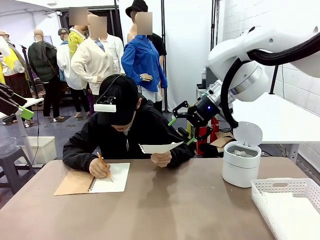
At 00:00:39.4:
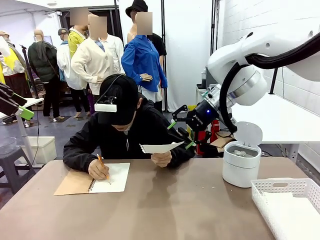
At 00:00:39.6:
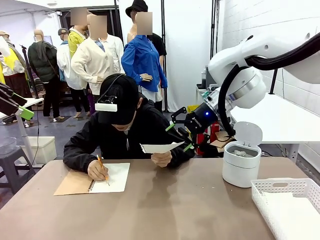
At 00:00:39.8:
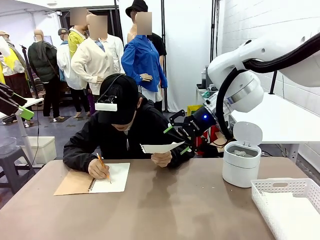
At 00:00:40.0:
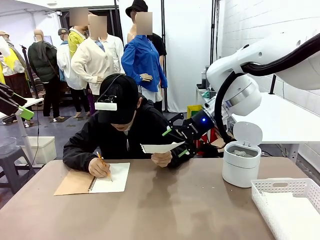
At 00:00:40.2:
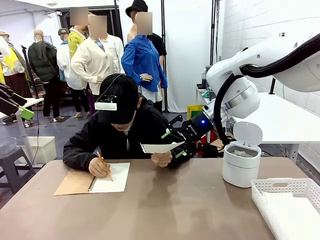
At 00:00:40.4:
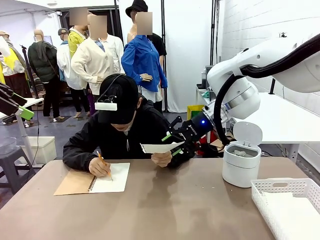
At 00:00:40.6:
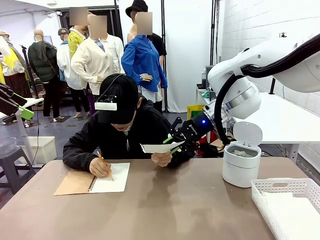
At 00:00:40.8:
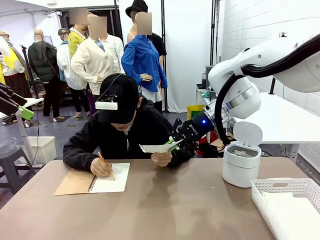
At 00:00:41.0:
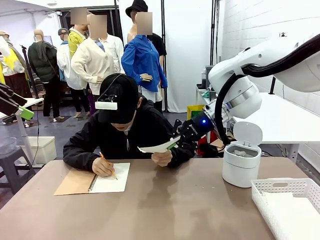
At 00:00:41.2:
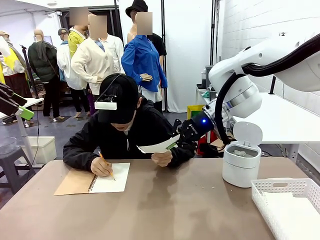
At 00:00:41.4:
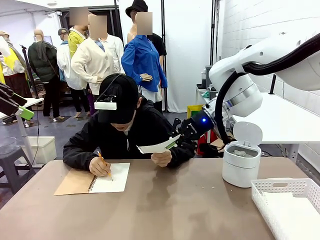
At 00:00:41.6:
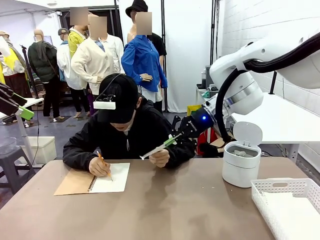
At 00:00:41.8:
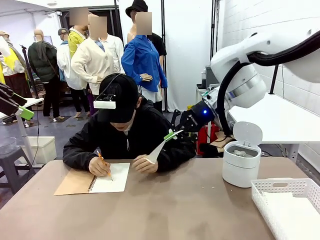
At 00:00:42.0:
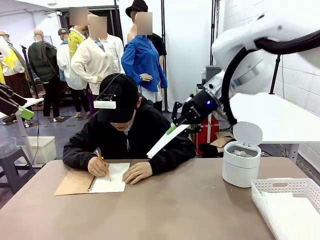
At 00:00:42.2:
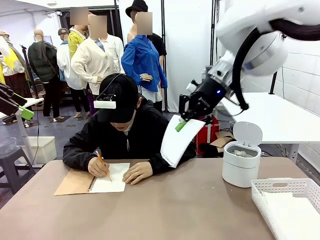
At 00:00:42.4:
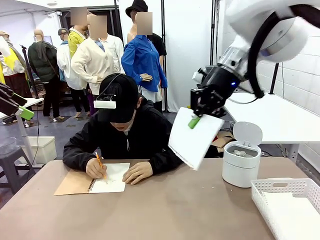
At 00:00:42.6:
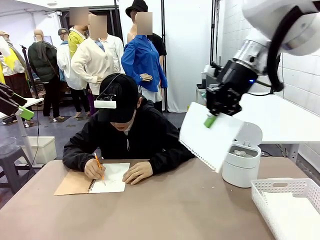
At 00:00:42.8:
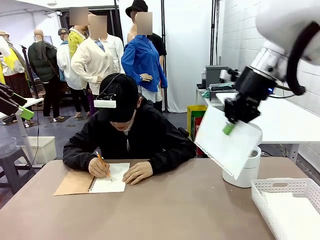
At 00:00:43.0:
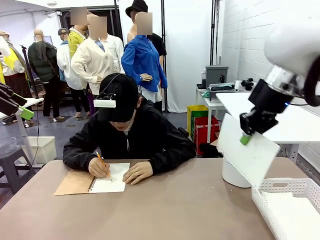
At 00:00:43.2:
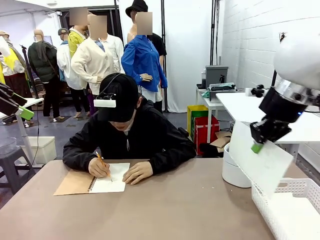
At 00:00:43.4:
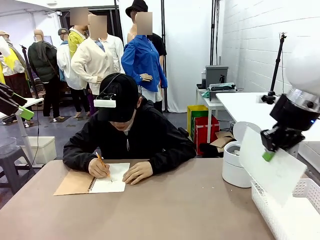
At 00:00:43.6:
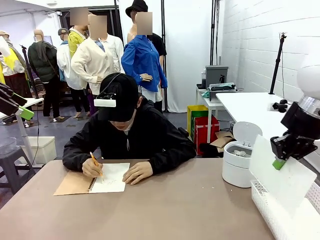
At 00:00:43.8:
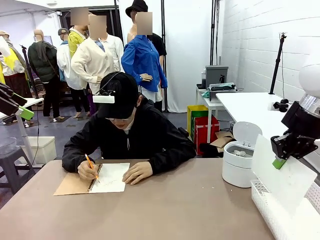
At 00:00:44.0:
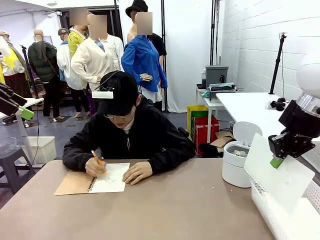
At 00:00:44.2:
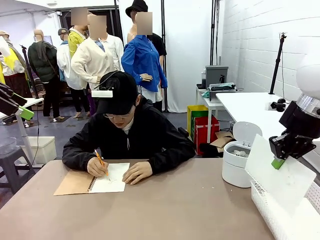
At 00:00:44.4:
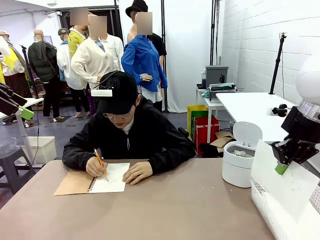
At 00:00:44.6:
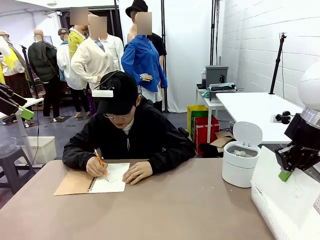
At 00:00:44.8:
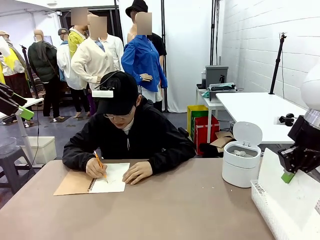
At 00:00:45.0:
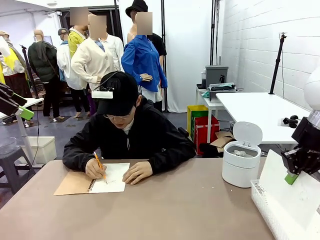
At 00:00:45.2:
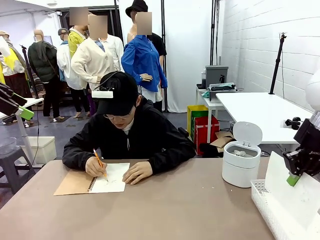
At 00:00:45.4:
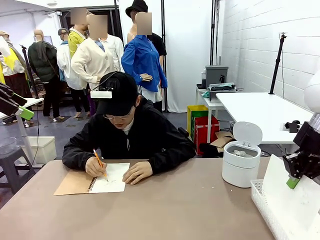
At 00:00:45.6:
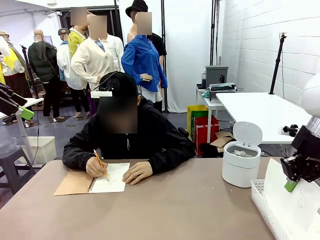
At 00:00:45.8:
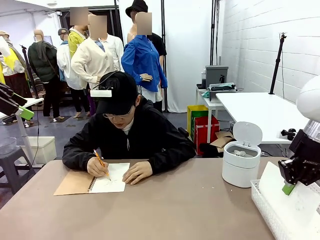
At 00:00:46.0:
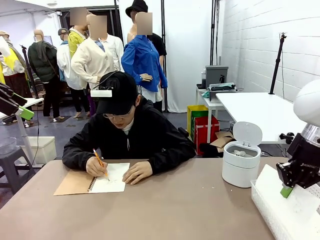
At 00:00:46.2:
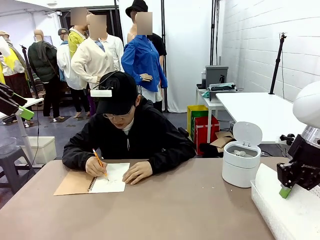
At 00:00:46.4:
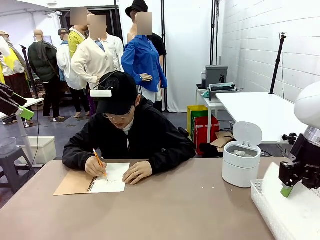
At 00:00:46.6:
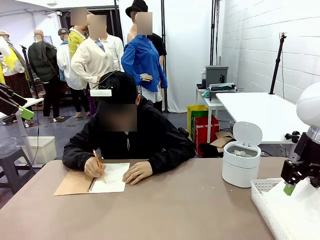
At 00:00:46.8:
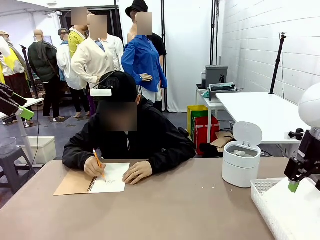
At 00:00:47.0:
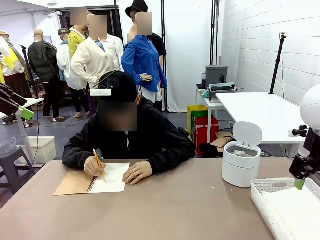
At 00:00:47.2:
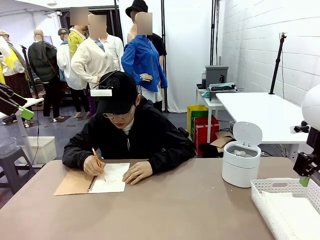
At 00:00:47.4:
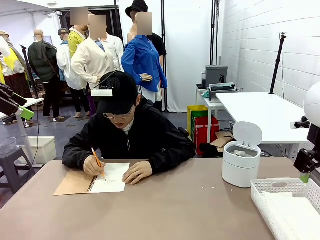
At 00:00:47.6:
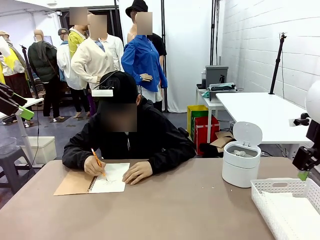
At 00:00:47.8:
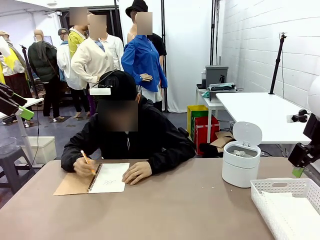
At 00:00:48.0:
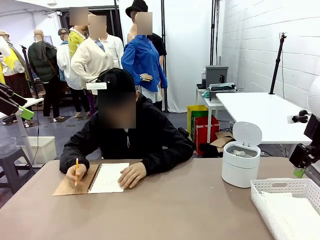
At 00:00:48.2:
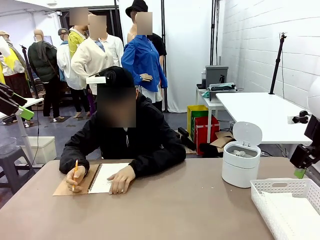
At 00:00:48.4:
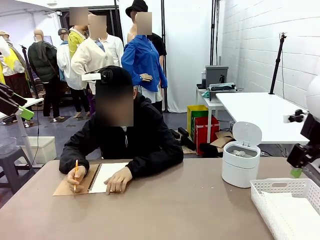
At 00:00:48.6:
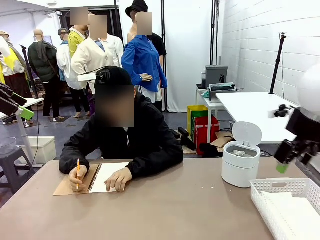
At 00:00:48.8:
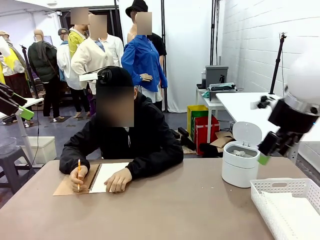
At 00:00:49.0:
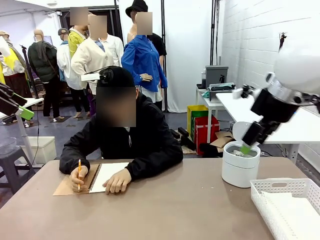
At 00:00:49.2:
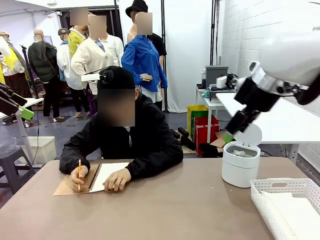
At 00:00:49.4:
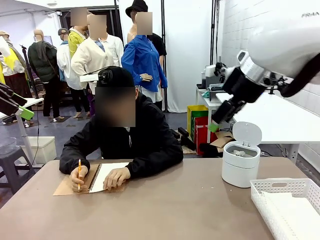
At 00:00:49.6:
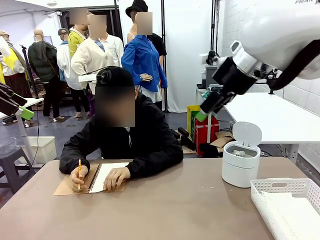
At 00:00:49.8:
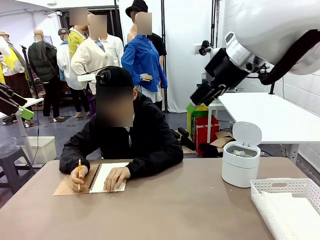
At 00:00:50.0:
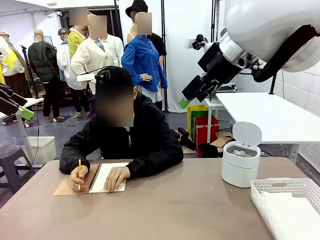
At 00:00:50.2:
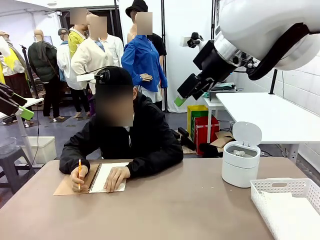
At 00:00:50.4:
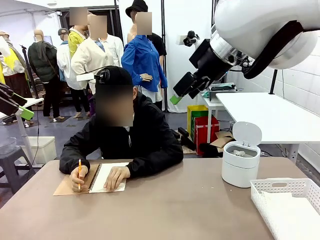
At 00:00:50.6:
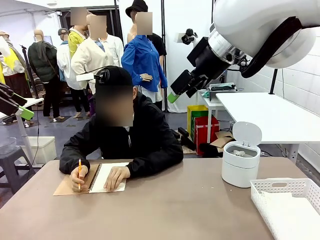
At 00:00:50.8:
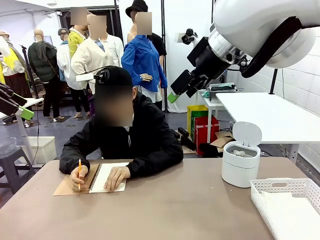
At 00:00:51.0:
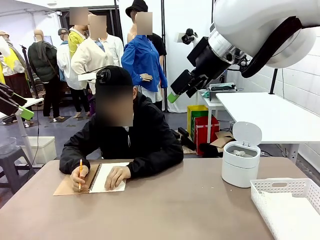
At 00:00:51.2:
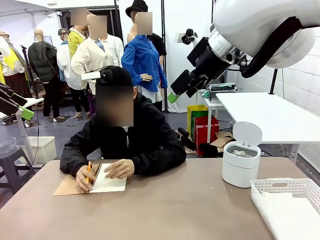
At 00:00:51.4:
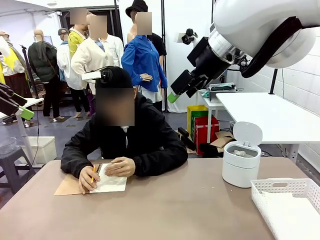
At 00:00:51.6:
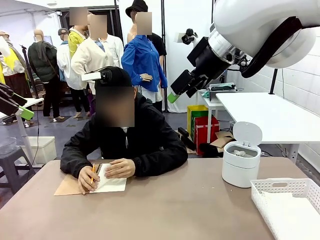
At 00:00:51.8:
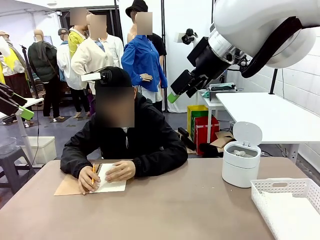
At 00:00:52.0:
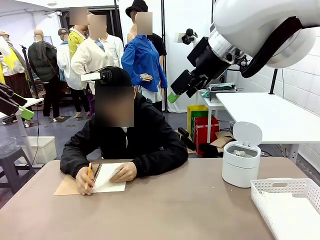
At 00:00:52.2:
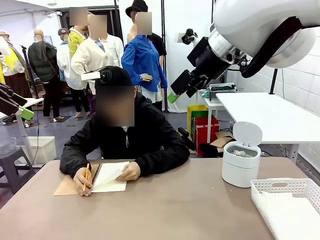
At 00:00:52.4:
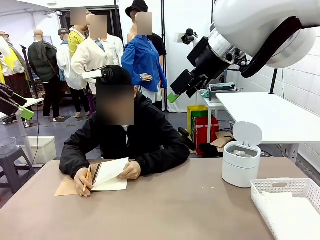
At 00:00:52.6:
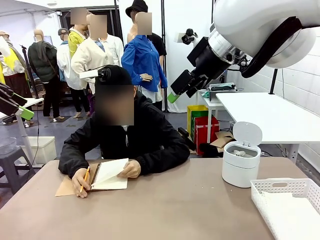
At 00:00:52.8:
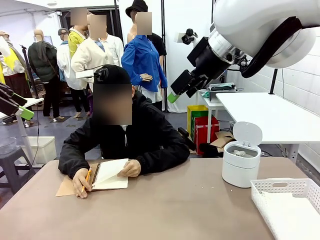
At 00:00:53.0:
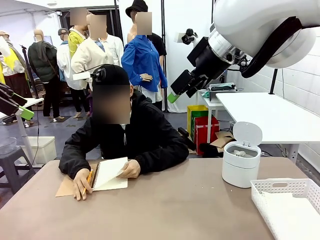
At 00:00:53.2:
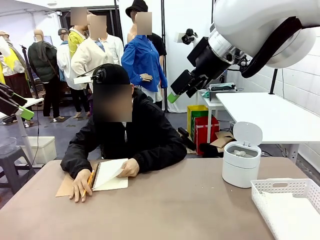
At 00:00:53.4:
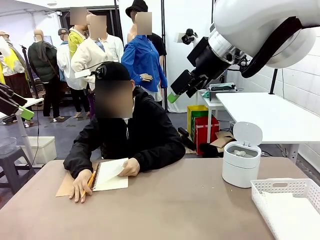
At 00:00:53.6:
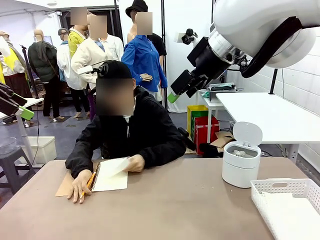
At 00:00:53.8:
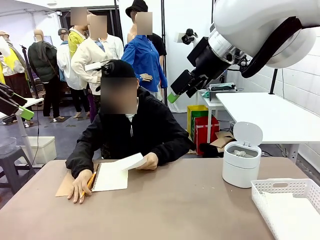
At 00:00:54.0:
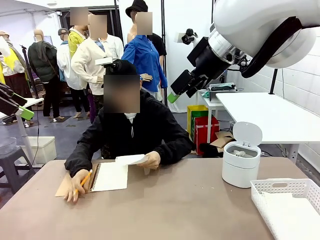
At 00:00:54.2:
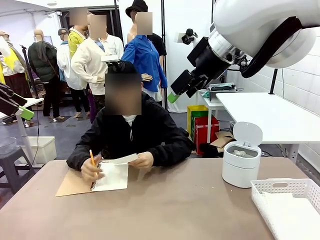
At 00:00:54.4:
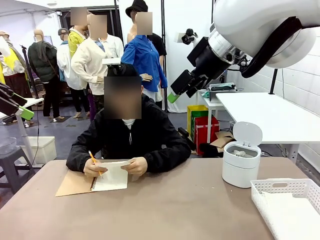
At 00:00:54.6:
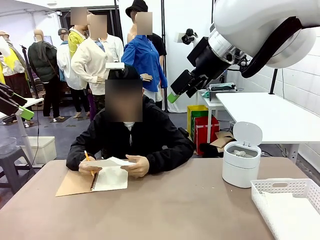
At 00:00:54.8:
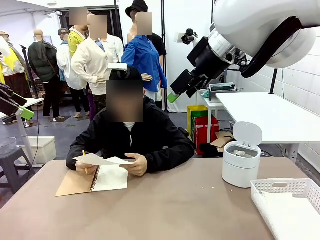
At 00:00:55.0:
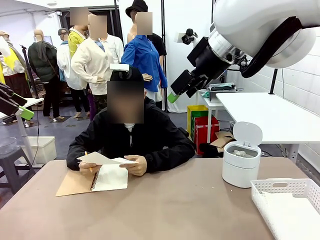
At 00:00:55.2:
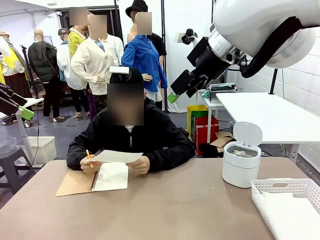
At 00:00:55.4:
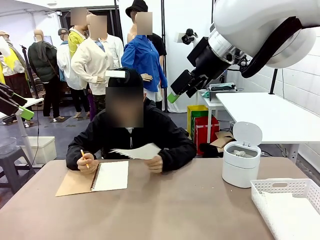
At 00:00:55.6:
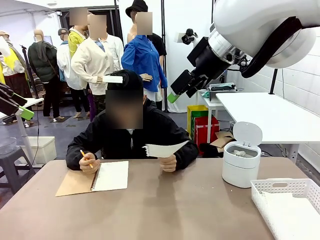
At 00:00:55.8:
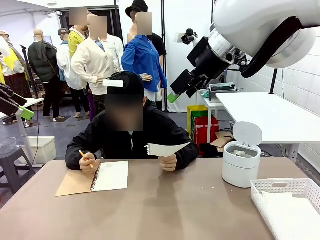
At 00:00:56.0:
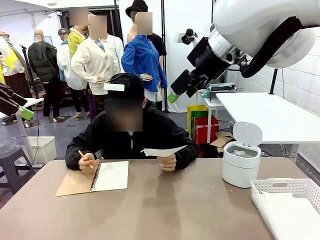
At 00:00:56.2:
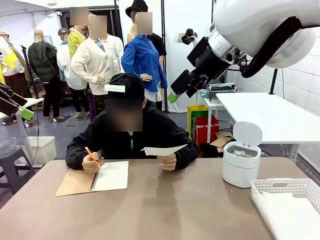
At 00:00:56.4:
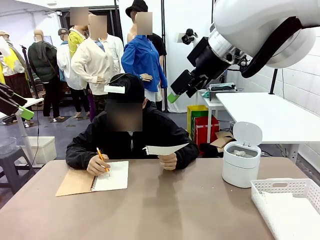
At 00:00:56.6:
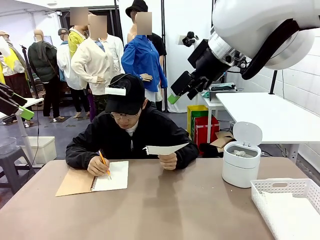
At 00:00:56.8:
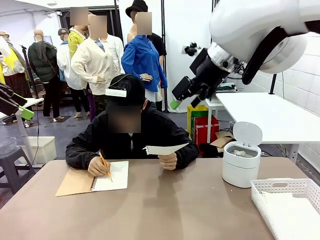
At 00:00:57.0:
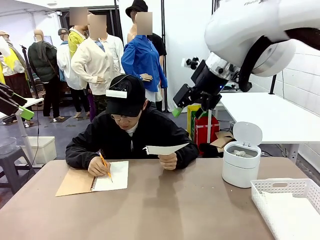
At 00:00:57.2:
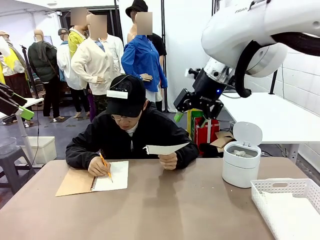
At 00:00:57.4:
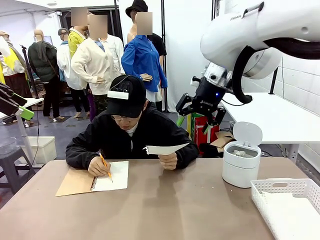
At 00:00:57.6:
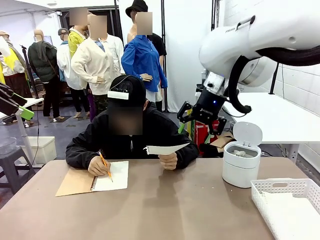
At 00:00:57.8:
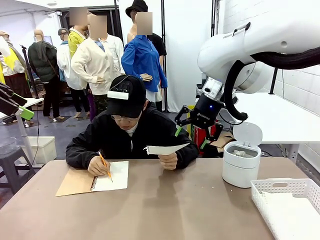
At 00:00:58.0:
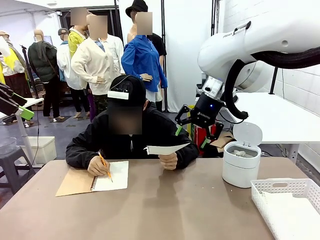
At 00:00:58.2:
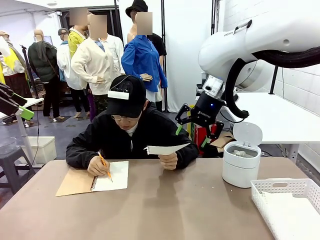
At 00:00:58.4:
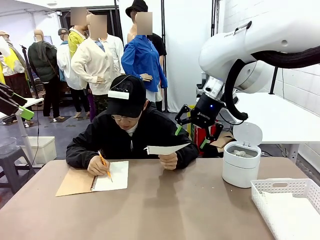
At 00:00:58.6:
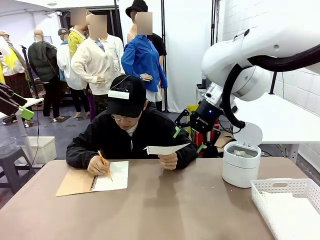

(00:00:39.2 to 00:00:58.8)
Task: Sort the paper based on its condition.
Robot: If a person hands you a paper, place it in the Organizing basket , and if it's crumpled, put it in the Trash can.
Person: Tear out a page from the spiral notebook.
